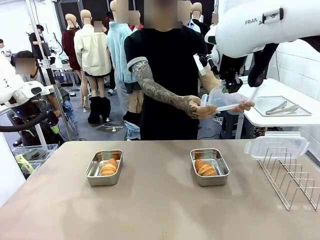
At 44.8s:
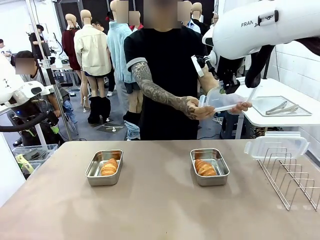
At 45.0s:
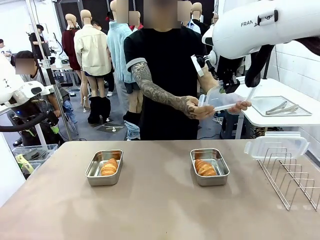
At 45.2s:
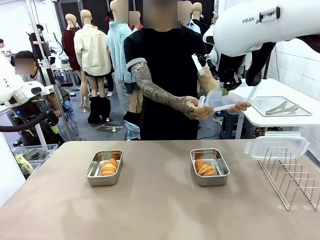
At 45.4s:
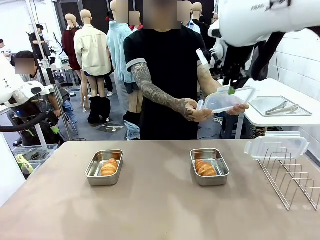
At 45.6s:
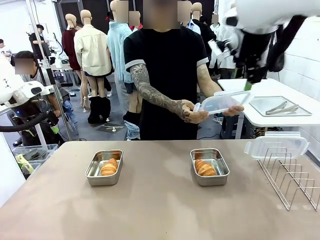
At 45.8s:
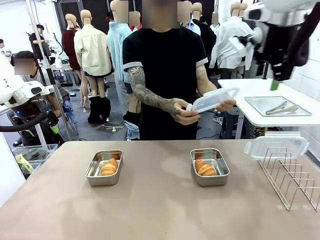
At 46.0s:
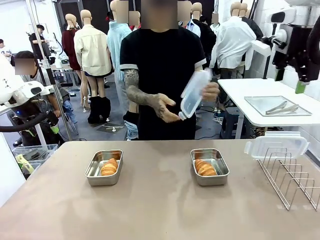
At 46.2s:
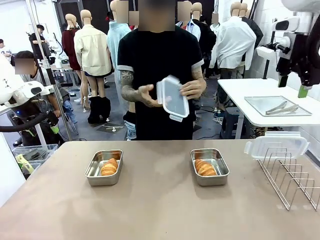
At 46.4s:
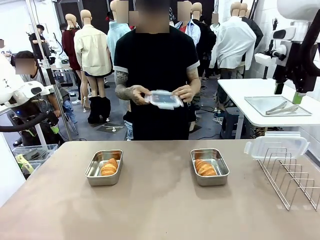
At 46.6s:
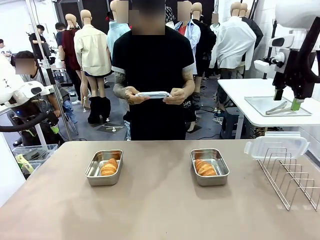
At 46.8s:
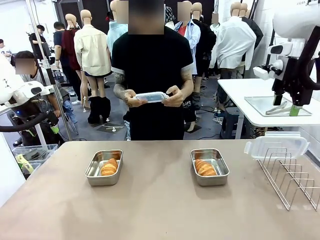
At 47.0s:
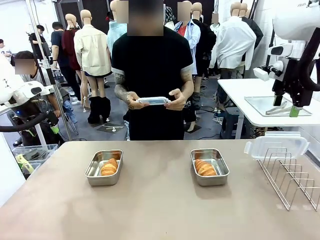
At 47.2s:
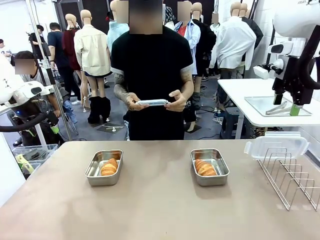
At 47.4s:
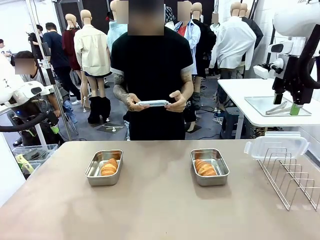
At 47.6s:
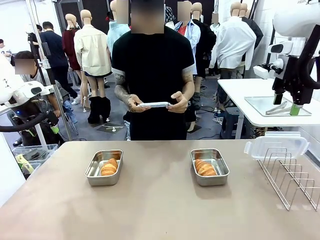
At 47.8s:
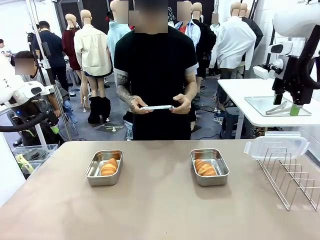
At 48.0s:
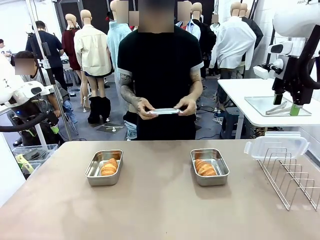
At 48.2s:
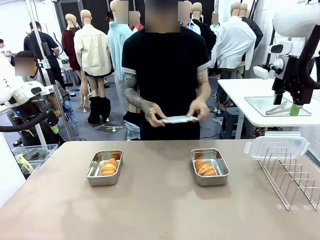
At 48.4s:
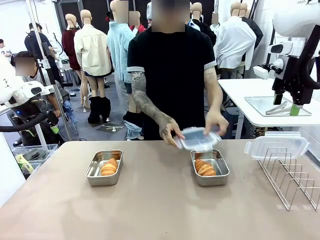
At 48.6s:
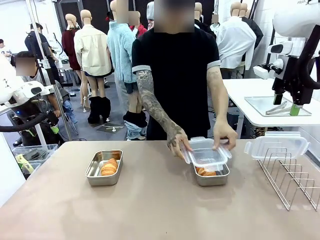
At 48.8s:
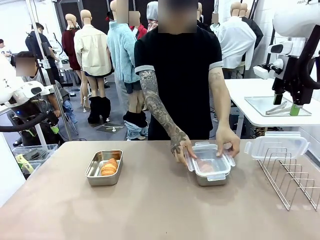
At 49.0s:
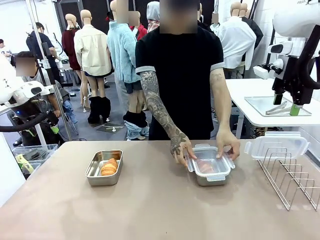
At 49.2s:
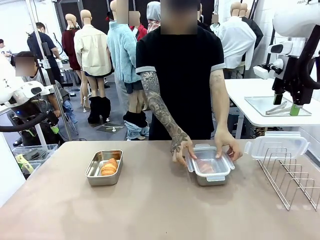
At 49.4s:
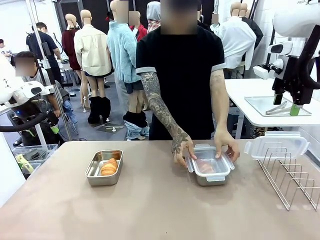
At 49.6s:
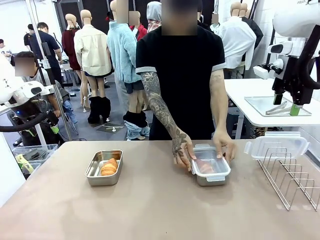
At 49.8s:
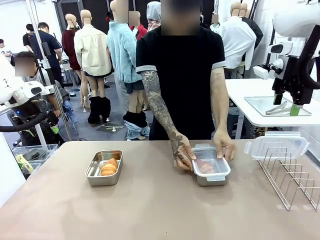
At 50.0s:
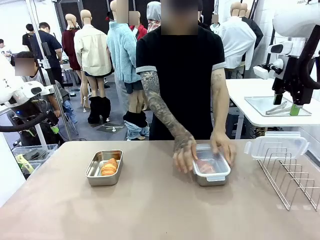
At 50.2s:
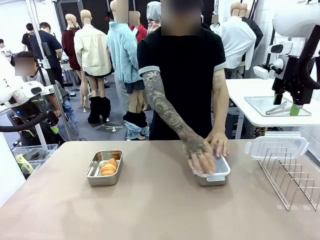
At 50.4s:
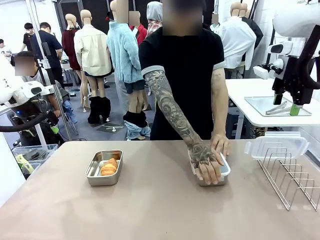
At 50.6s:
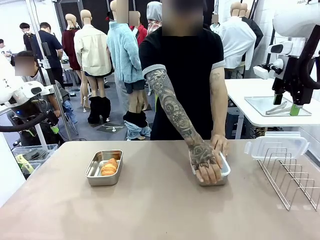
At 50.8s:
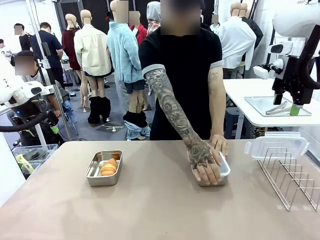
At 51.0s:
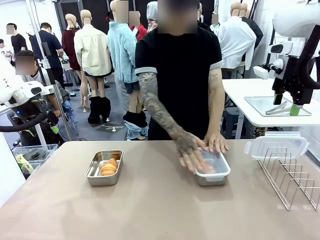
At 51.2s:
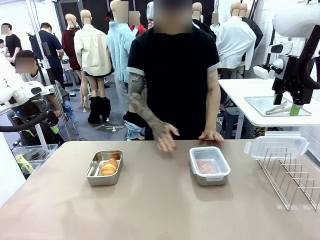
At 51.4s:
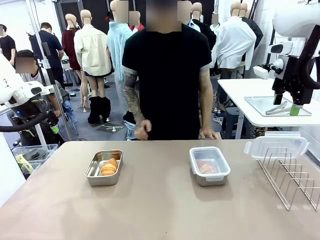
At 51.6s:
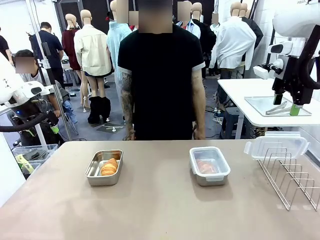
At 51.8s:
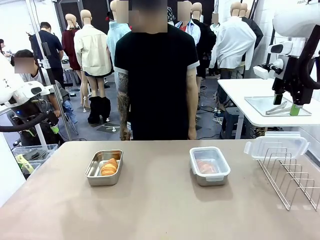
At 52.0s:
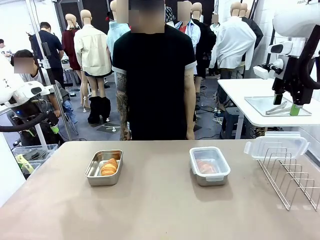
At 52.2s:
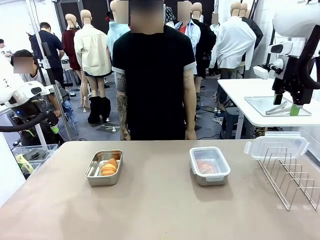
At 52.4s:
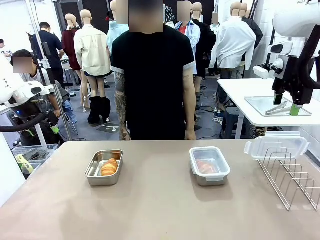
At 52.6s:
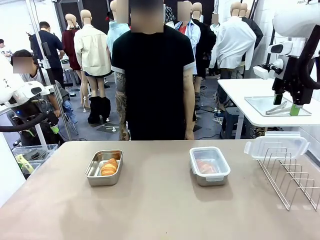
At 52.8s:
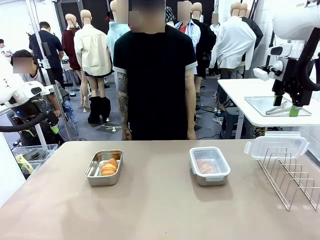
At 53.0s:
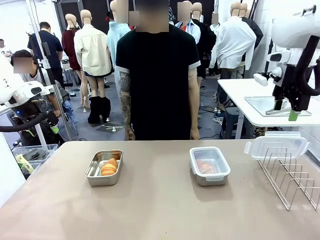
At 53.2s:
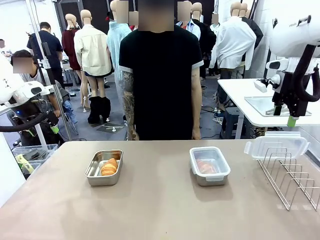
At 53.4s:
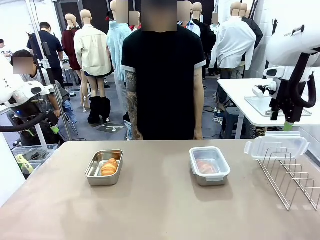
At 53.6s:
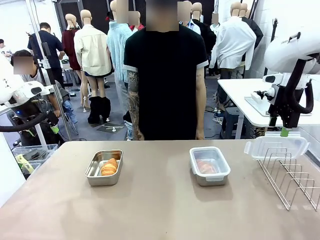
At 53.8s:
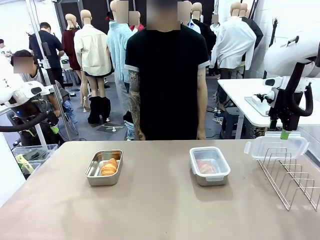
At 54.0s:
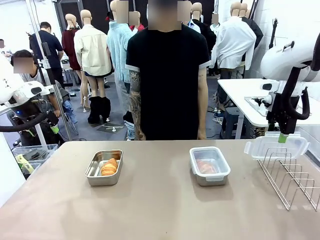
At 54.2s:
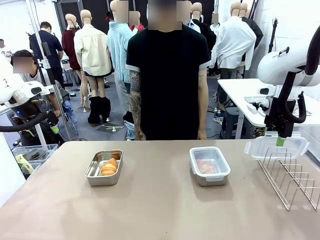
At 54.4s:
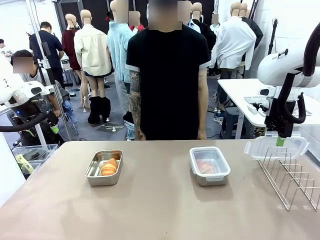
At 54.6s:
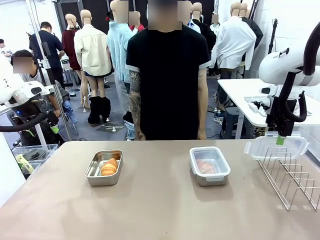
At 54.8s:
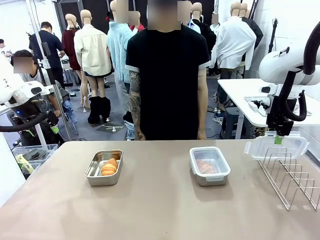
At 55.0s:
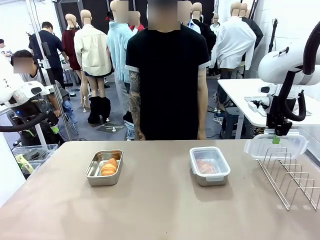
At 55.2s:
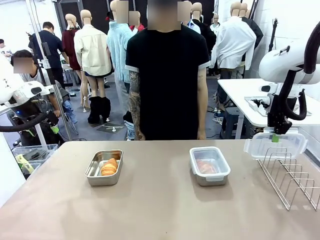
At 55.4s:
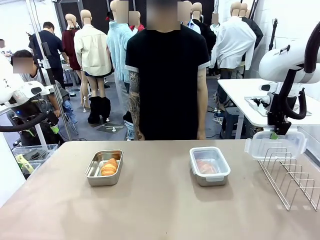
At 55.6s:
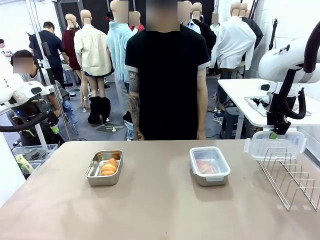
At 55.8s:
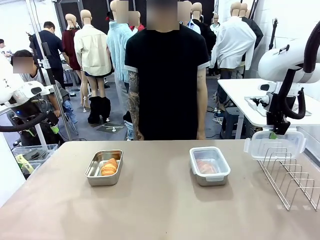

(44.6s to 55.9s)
Task: Place the bread in airtight containers.
Robot: Pick up one Airtight Container lid and hand it to the human.
Person: Close Airtight Container with a handed Airtight Container lid.

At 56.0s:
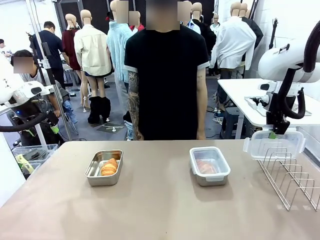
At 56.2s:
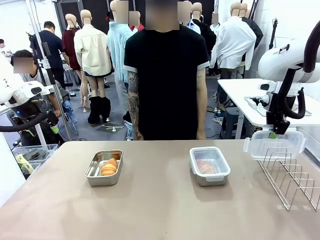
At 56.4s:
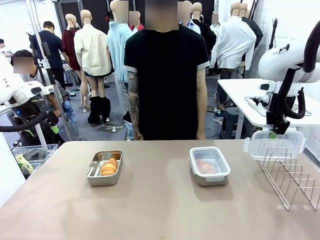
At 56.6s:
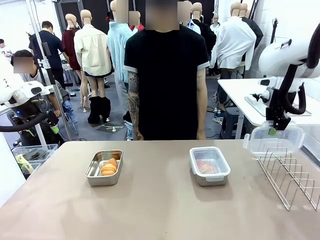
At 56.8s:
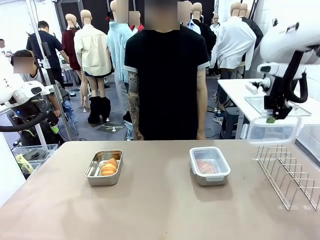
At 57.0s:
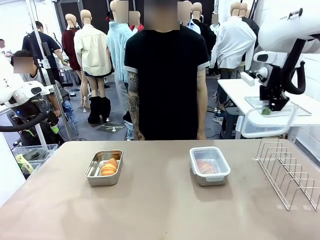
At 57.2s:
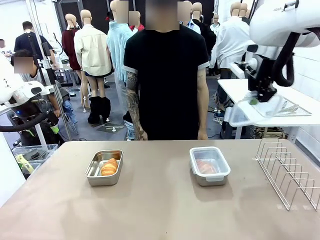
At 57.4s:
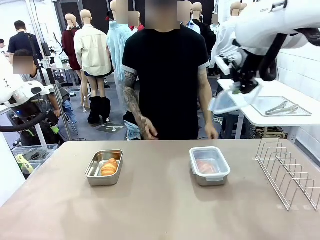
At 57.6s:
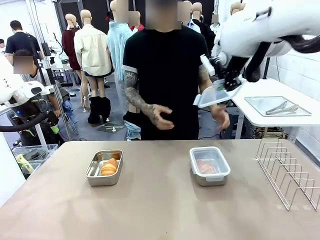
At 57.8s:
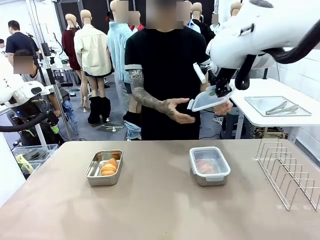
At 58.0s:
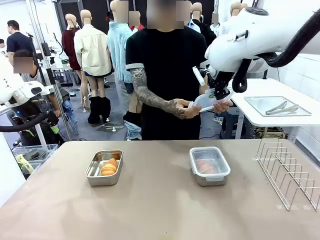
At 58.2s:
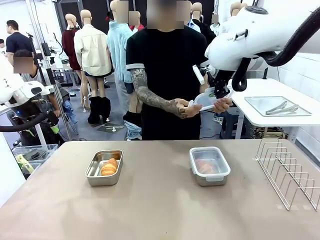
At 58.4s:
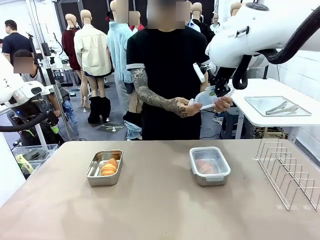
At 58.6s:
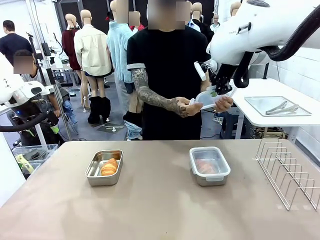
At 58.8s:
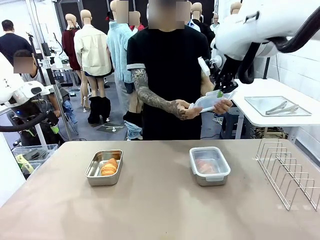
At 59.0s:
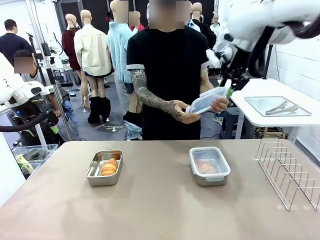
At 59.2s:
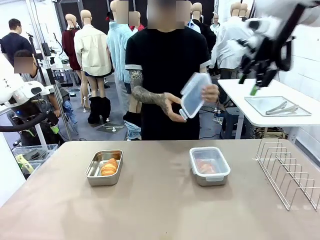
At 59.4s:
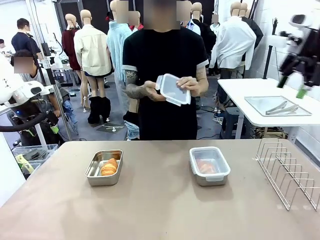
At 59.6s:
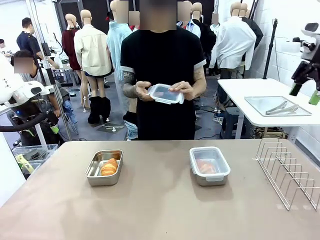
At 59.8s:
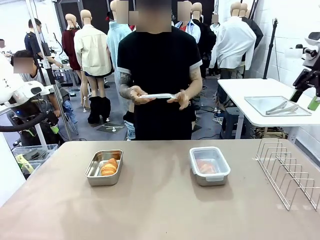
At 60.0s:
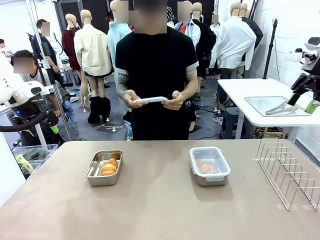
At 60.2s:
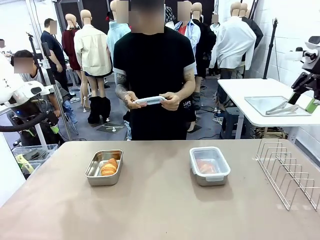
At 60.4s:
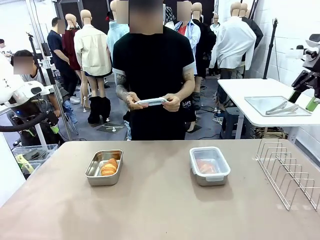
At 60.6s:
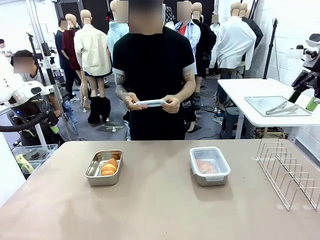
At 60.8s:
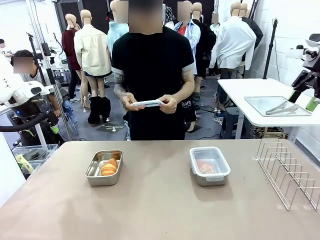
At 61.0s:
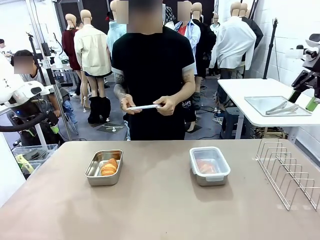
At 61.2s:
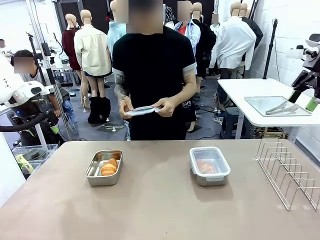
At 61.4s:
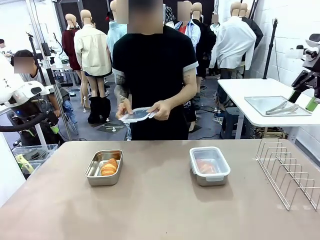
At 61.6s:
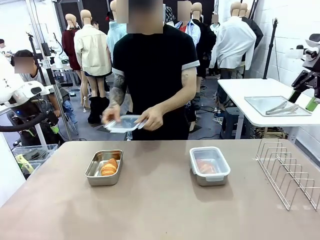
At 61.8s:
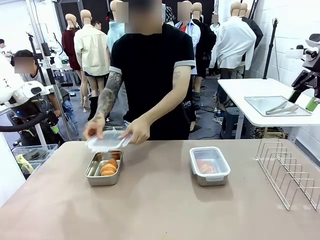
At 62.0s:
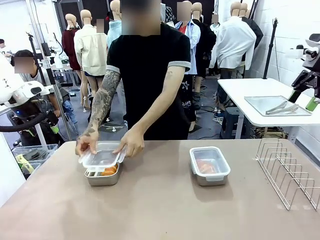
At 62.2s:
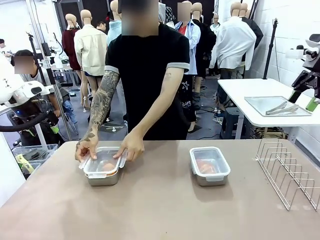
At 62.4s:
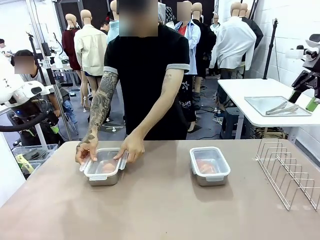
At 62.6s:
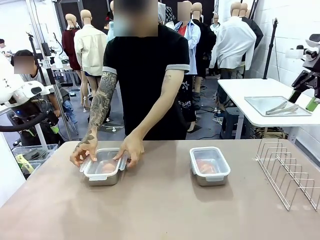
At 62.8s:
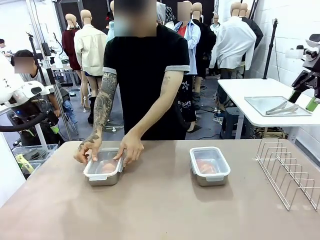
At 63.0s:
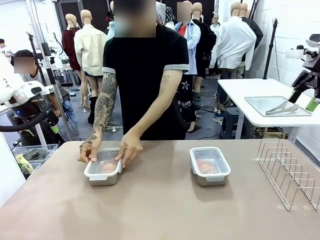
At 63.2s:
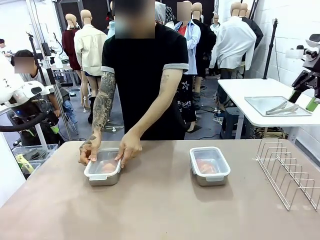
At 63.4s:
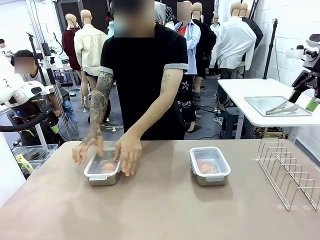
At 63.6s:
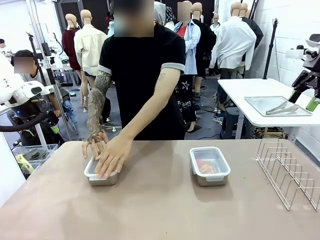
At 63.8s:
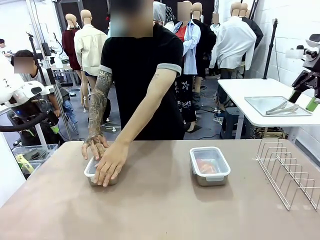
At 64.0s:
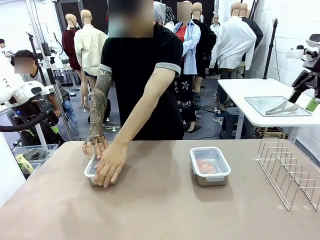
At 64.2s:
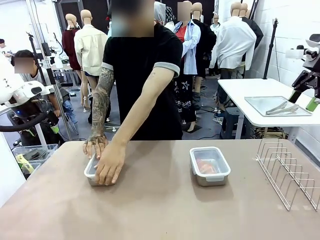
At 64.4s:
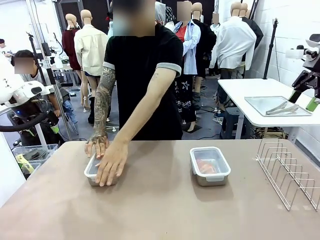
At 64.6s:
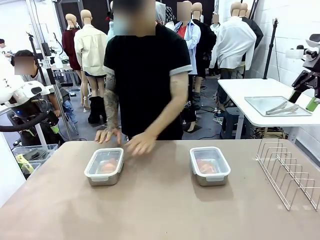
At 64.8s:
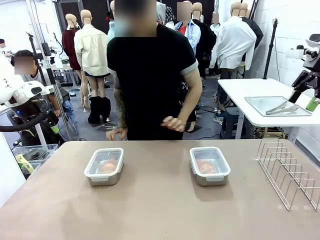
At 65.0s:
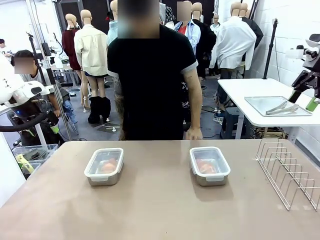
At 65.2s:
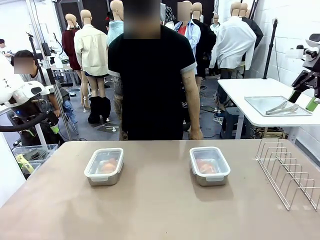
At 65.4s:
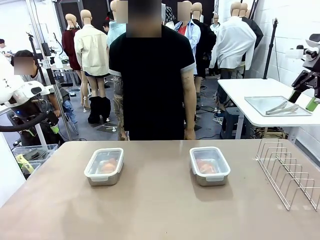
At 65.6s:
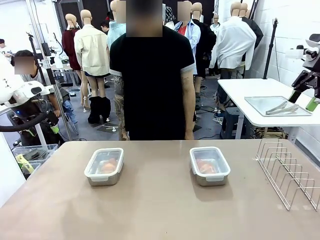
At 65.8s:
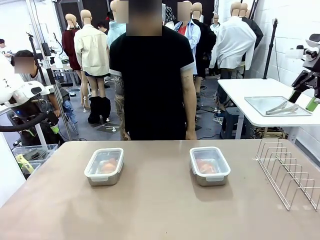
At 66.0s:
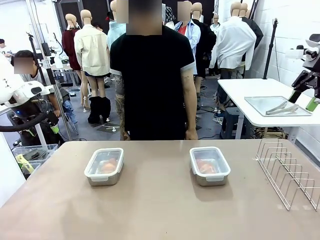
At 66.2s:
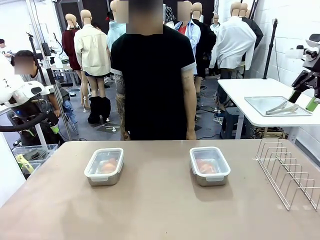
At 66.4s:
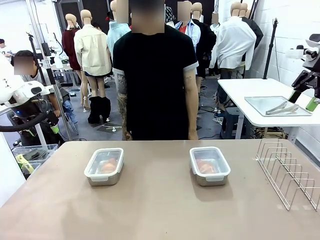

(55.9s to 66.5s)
Robot: Release when the human grabs the Airtight Container lid.
Person: Grip Airtight Container lid that robot is handing. Close Airtight Container with a handed Airtight Container lid.
